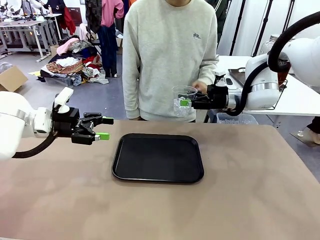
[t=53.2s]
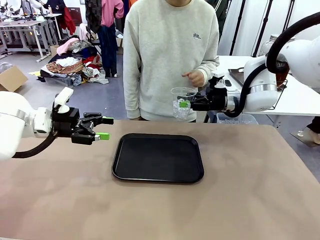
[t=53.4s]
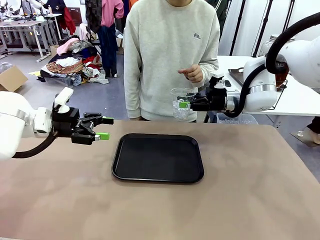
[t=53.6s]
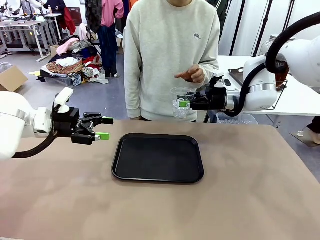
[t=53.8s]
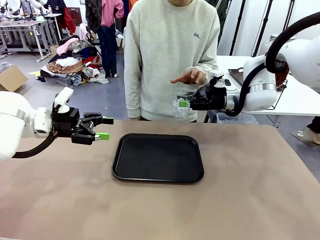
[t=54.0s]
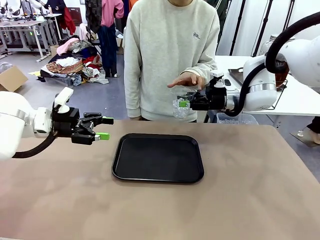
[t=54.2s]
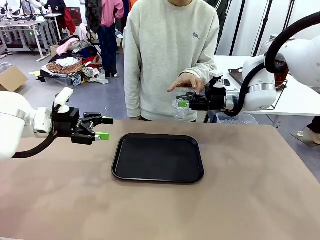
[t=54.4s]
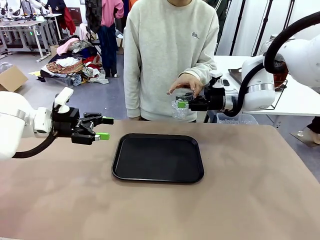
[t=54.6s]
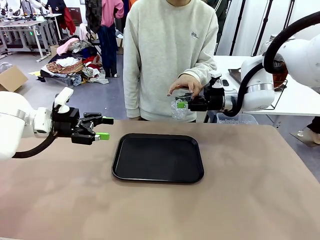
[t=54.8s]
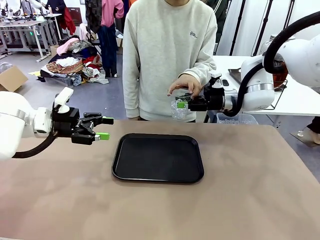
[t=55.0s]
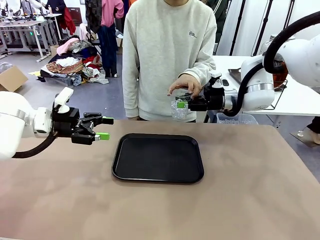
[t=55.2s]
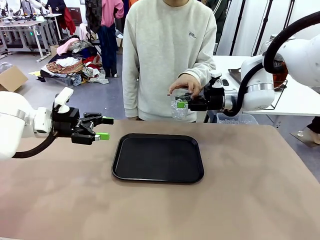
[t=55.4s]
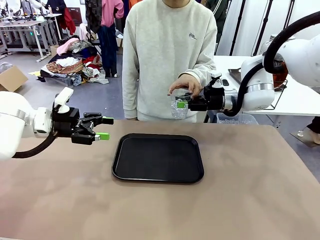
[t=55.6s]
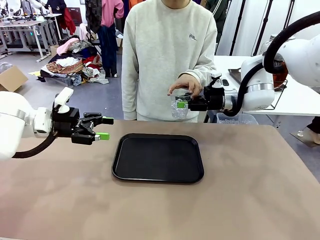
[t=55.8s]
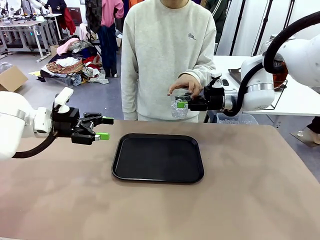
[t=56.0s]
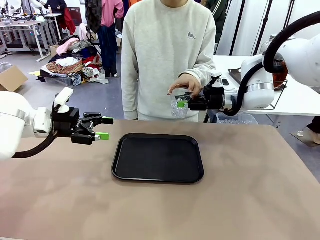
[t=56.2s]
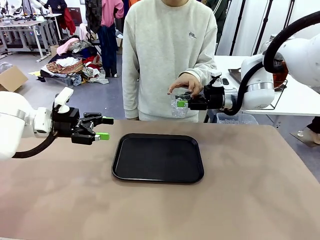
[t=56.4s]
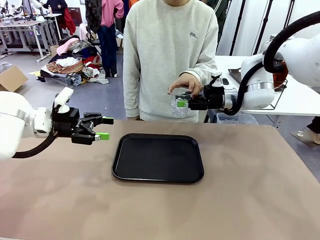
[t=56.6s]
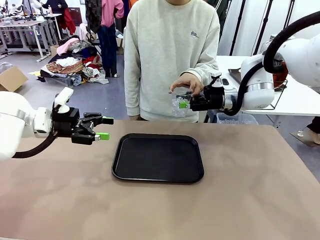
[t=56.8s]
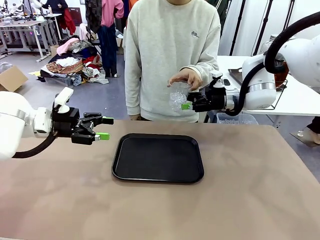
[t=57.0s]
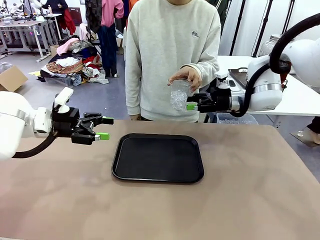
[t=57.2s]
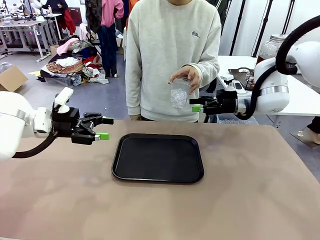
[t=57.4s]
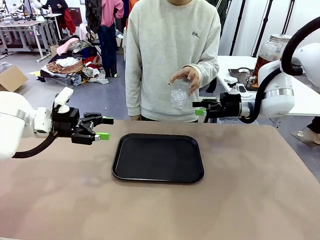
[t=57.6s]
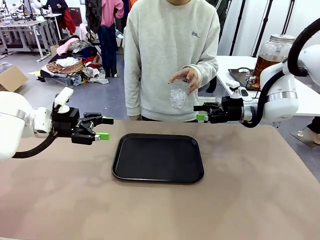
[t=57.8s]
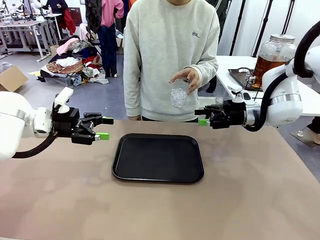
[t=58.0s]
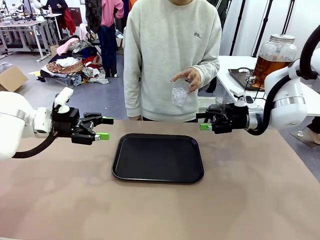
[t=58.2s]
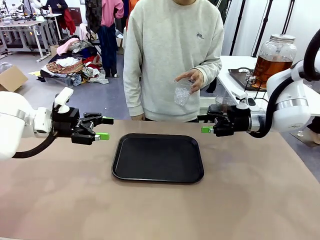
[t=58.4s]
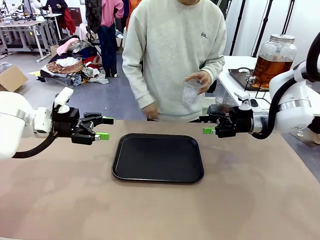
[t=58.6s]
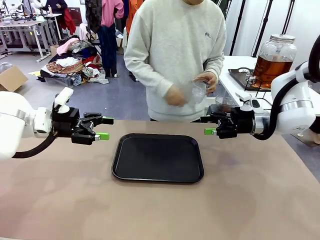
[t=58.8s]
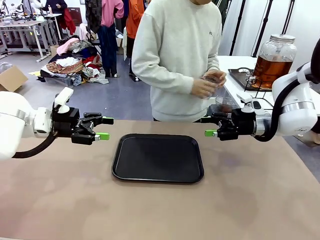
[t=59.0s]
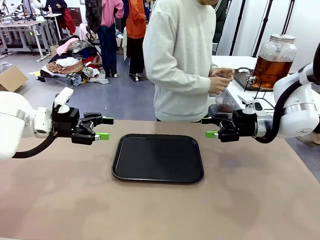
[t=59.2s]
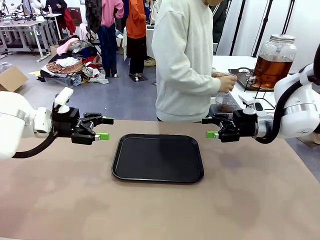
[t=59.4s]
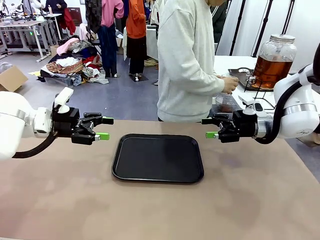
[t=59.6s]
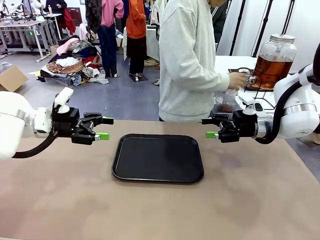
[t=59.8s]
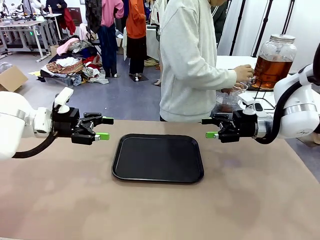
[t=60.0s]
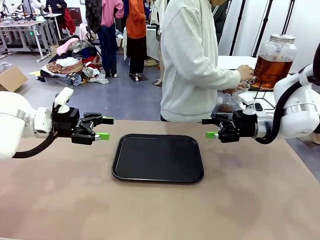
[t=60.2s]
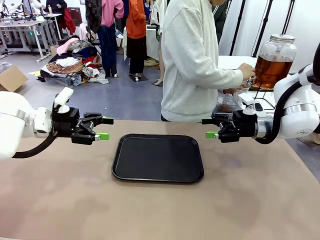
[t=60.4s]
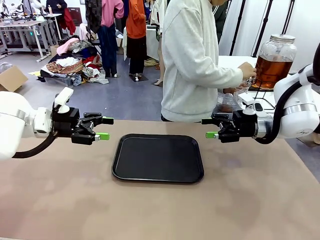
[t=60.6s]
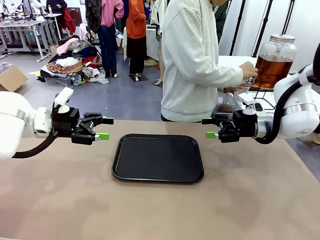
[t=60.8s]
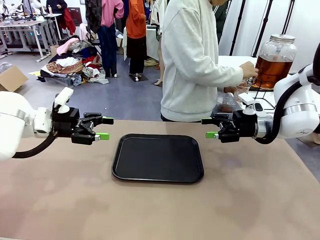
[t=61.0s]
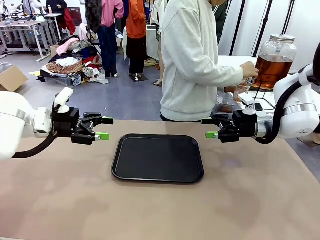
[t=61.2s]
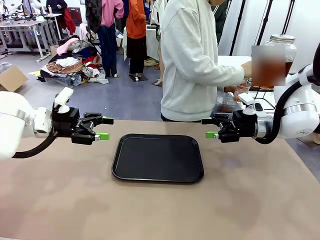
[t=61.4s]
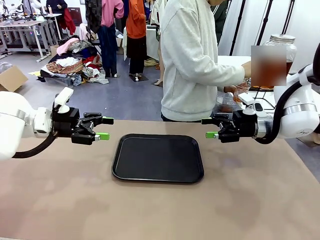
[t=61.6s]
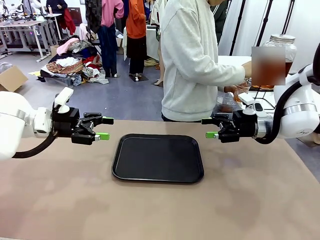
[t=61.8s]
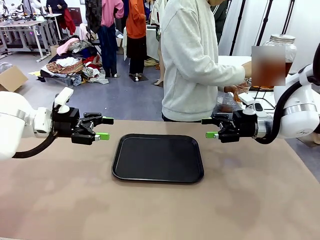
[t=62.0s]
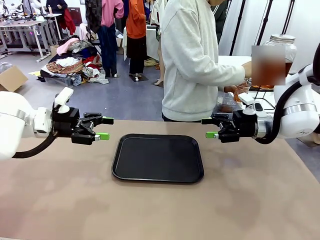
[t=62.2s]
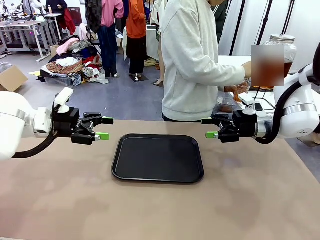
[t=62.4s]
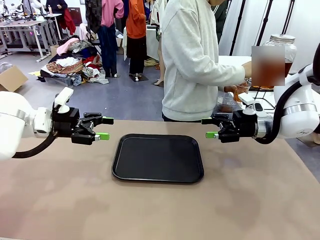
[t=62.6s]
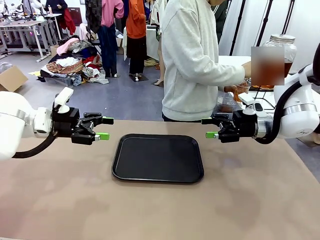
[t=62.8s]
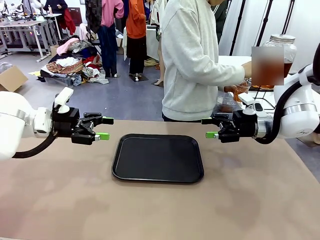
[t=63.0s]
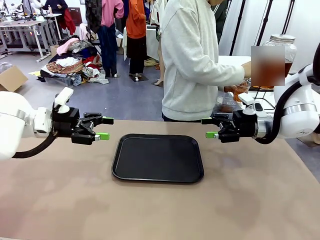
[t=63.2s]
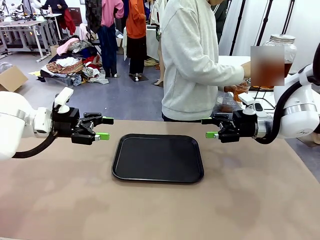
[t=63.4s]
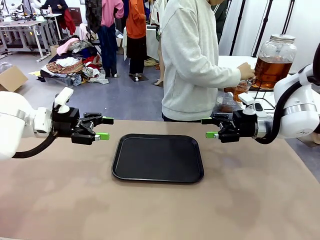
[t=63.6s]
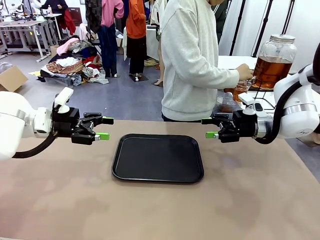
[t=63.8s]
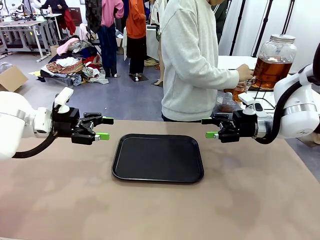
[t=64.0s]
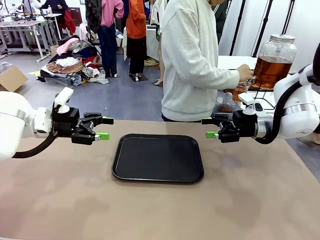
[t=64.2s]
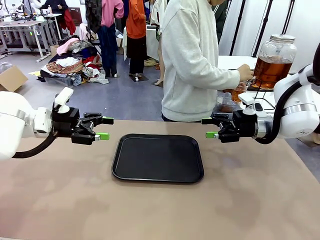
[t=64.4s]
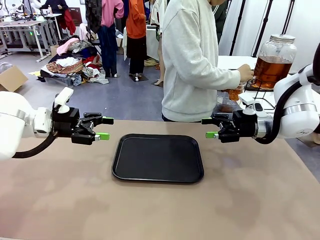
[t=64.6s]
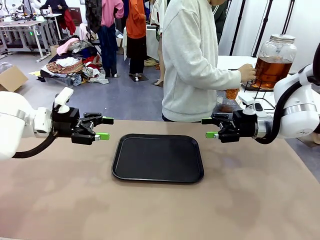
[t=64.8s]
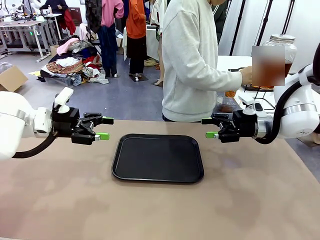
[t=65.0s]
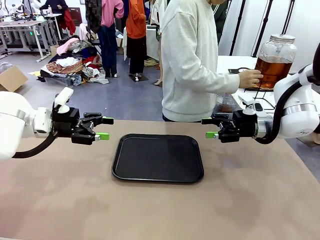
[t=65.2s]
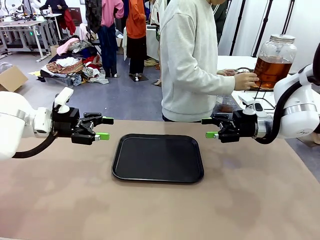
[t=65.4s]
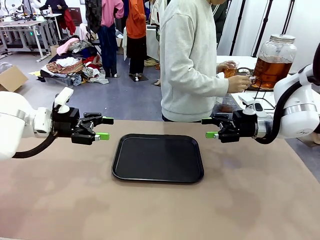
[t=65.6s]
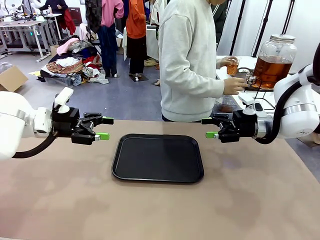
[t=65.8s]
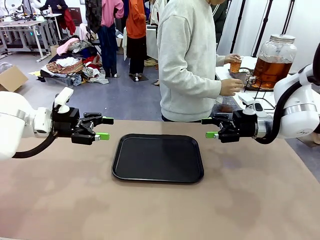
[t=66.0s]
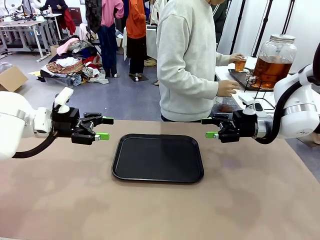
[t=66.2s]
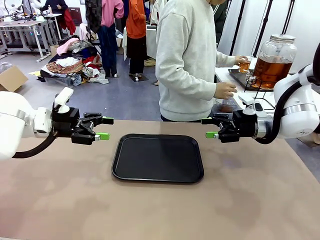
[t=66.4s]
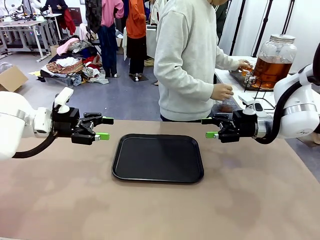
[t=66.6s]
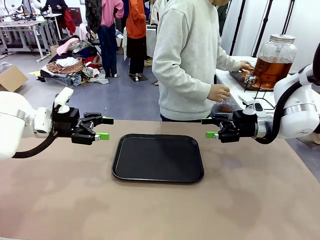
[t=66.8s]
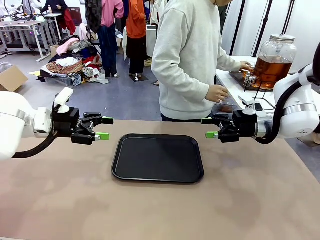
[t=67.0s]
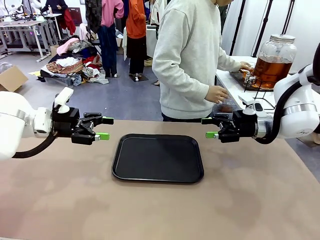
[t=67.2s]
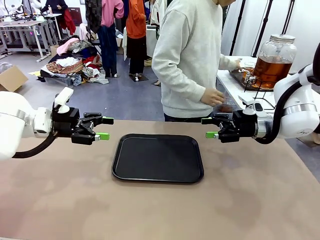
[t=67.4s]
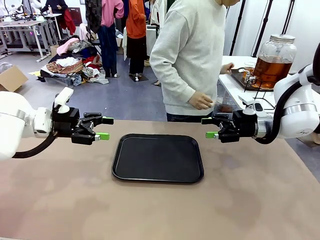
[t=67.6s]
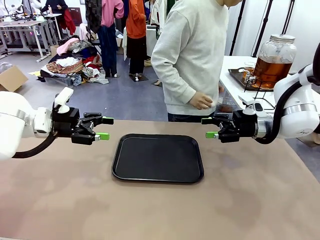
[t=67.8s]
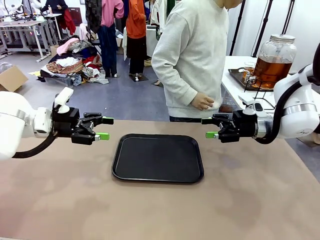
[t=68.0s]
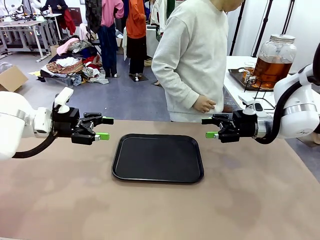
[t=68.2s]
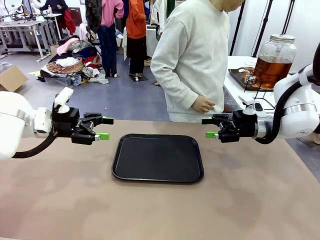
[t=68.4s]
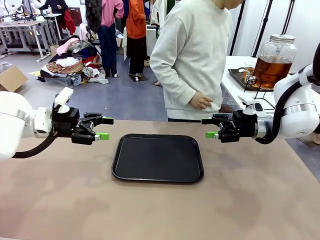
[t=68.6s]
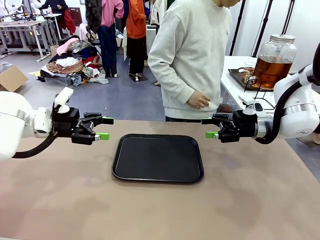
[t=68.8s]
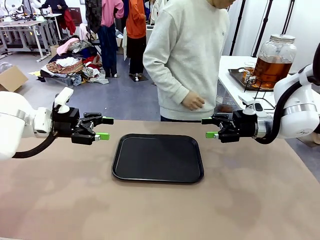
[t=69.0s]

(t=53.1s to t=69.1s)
Task: Pour the drink into the iced cup.
Robot: Open the gripper to release the iced cup you were holding.
Person: Move the picked-up cup under the dispenser faucet, pour the drink, and place it on the tray on the human table.
